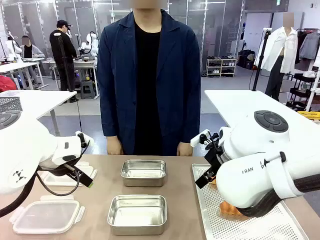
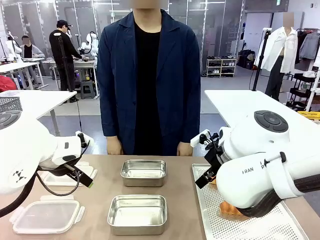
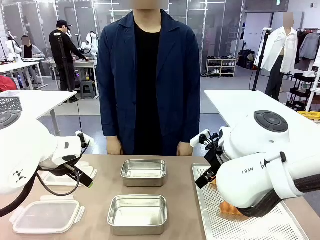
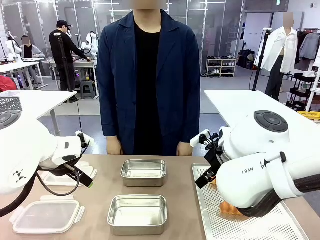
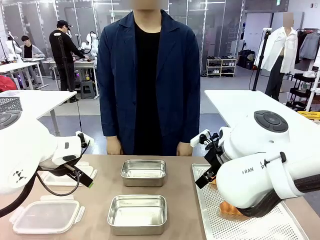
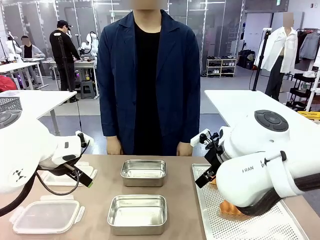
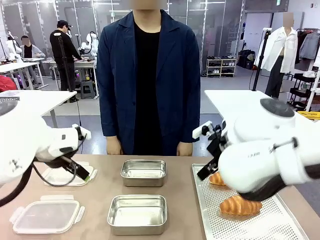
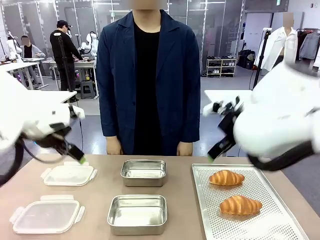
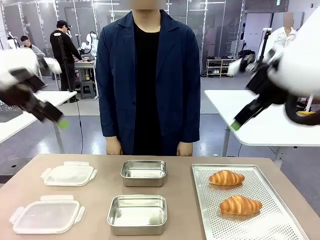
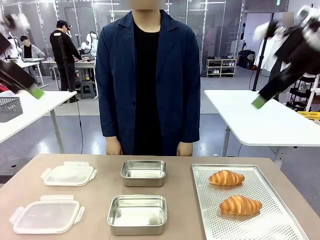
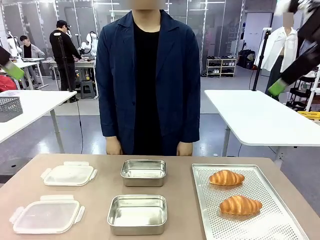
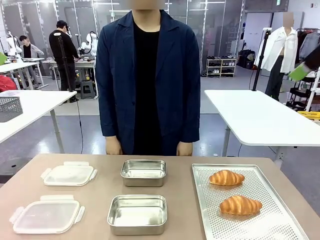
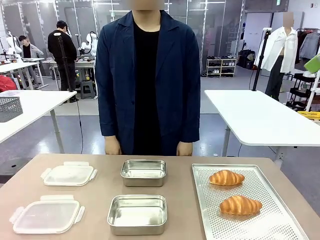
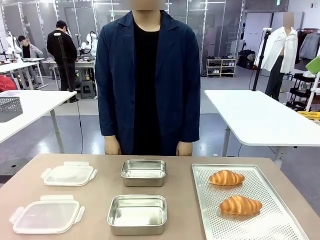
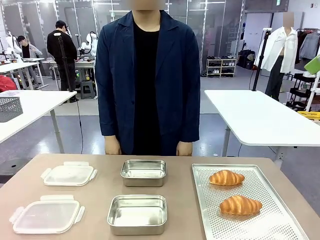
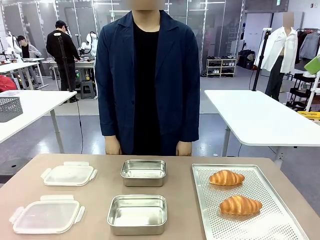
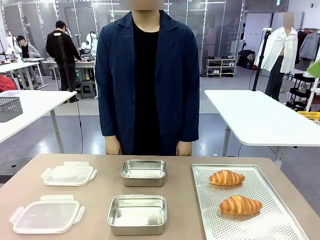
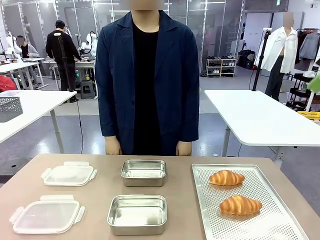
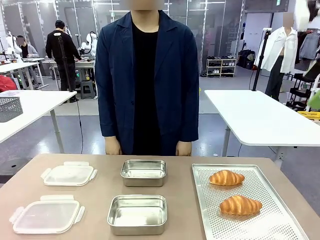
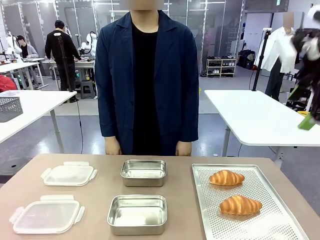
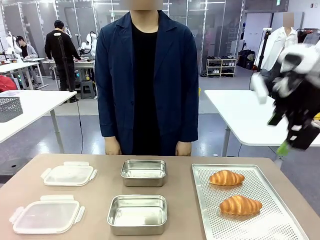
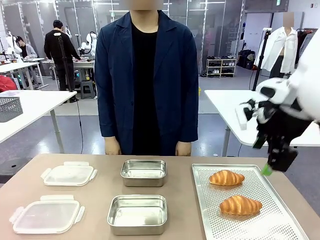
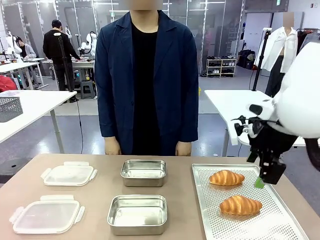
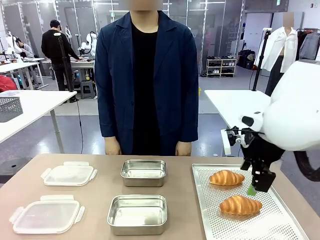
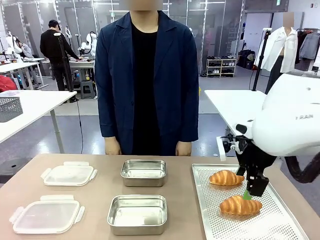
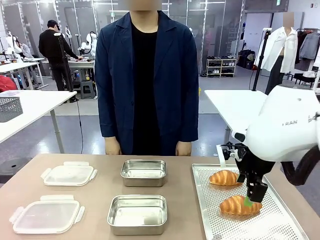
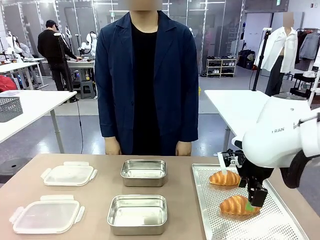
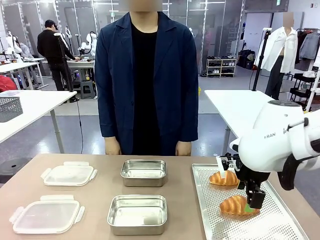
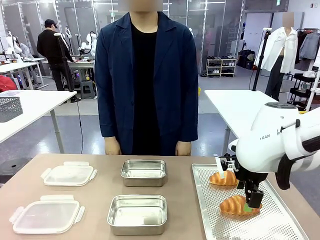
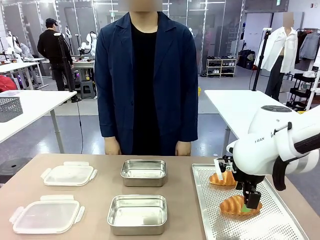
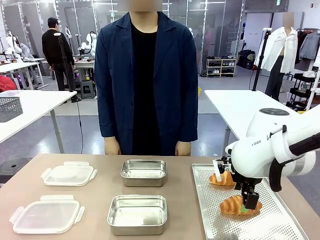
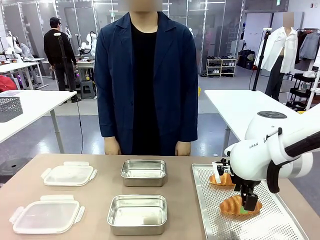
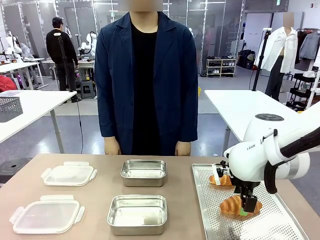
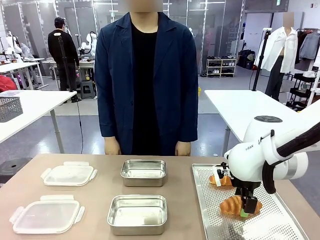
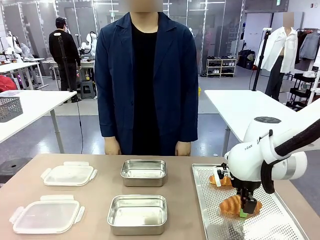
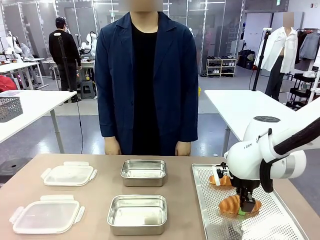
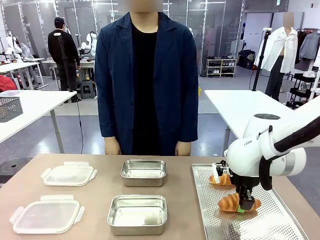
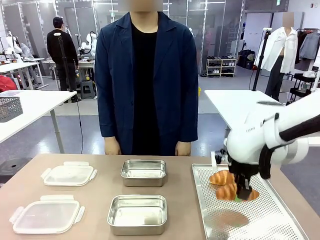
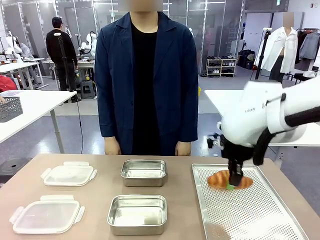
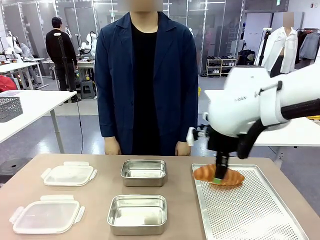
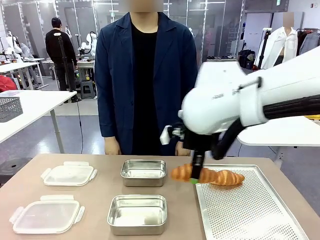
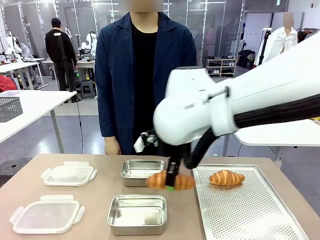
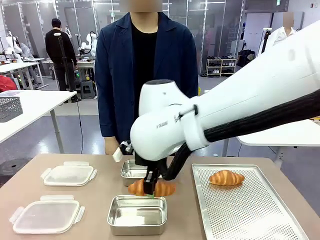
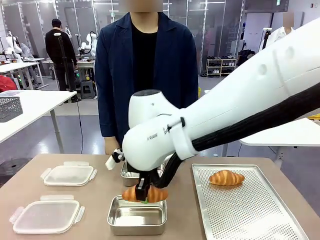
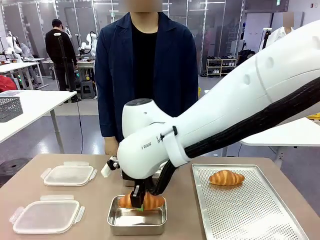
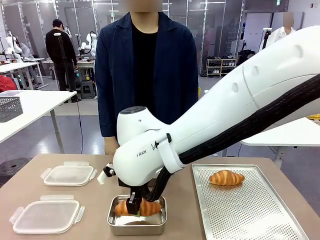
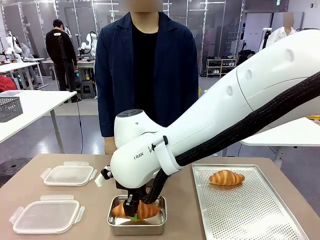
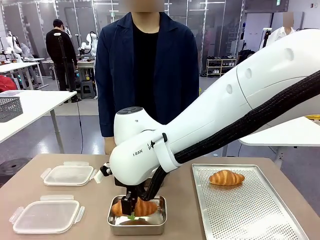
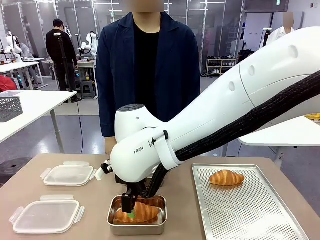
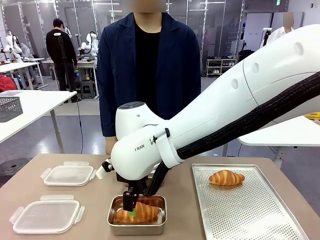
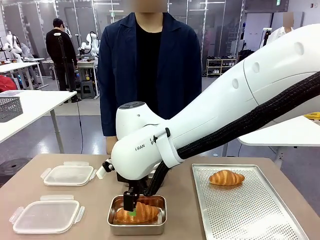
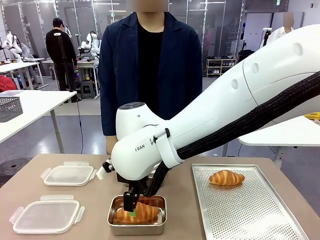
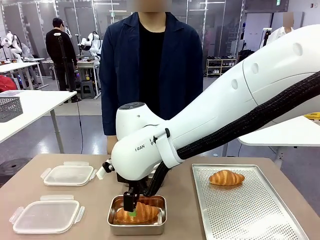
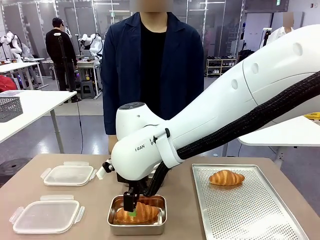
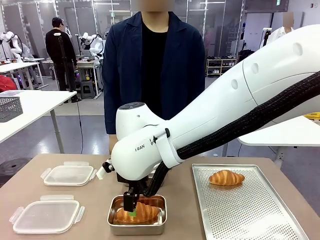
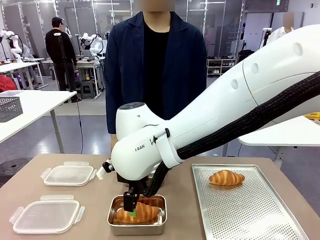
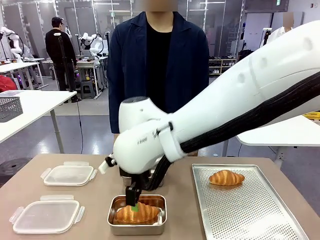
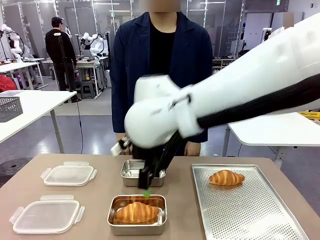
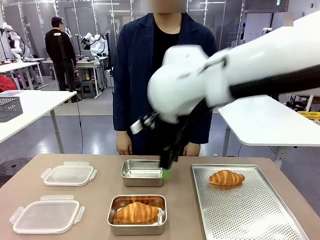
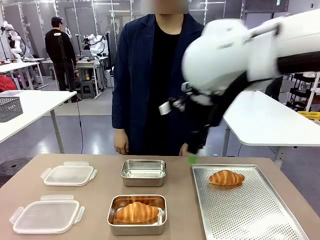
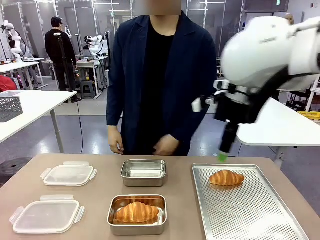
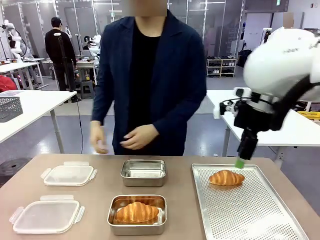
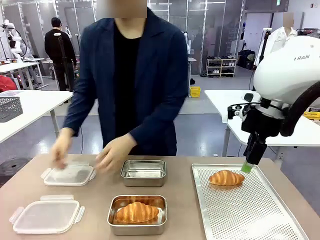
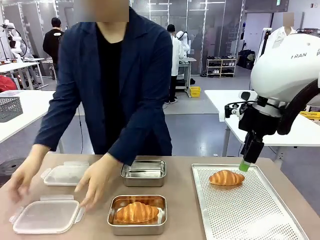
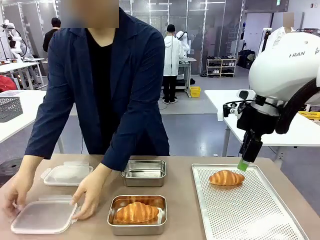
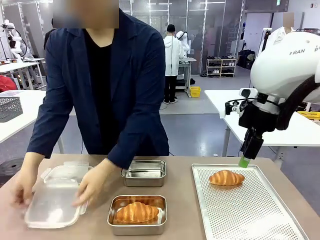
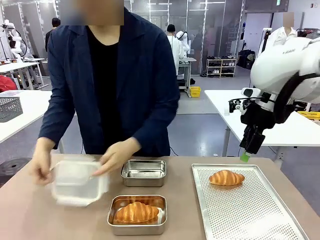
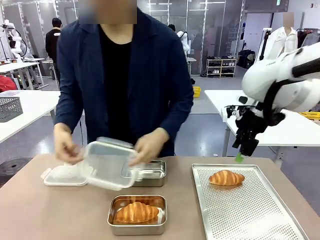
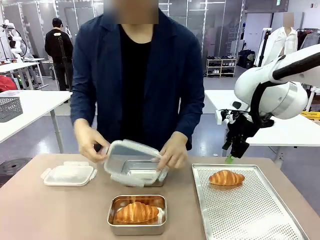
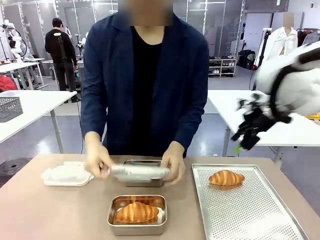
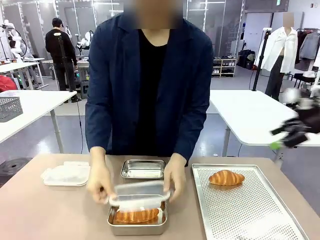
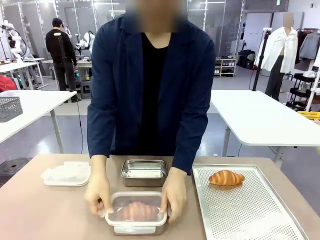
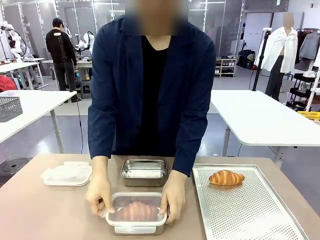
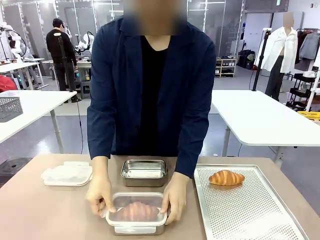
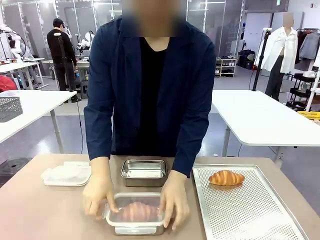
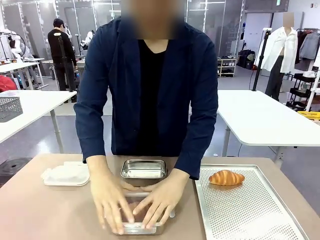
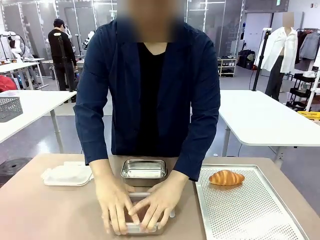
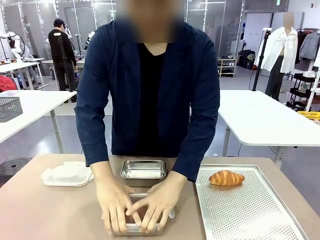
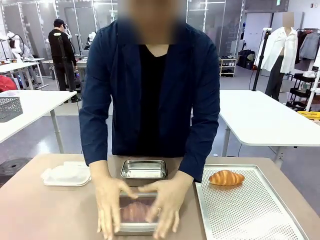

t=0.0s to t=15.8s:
Task: Place the bread into the airtight container.
Robot: Pick up a Butter Roll and place it into an empty Airtight Container.
